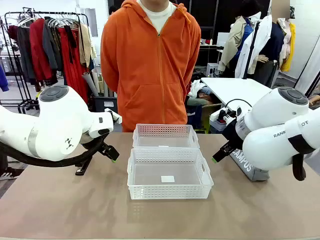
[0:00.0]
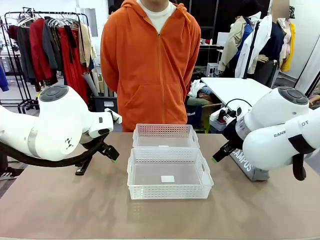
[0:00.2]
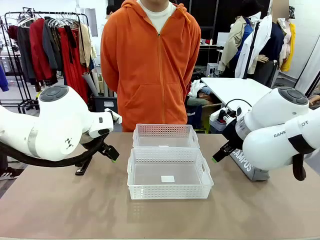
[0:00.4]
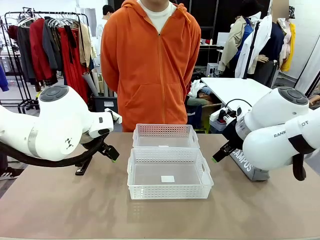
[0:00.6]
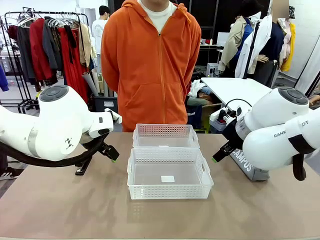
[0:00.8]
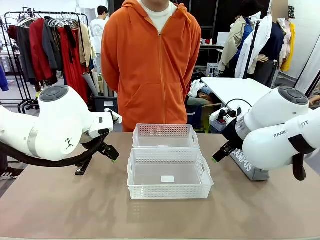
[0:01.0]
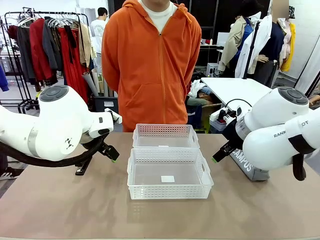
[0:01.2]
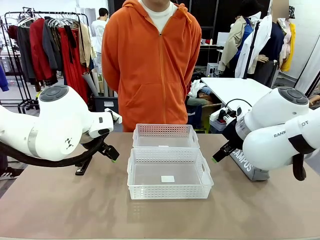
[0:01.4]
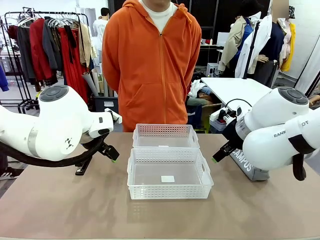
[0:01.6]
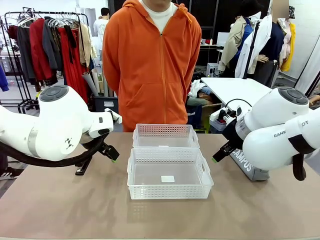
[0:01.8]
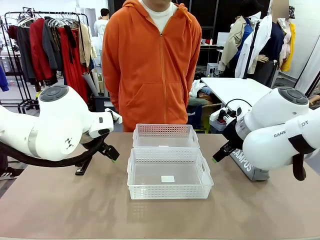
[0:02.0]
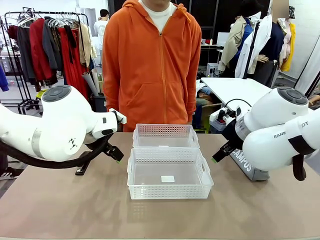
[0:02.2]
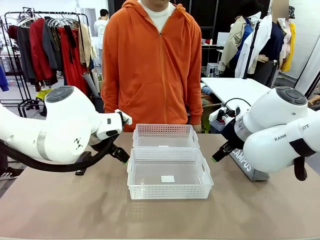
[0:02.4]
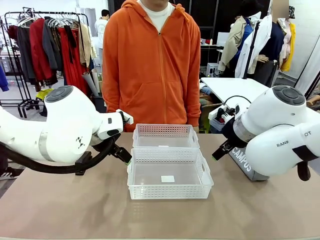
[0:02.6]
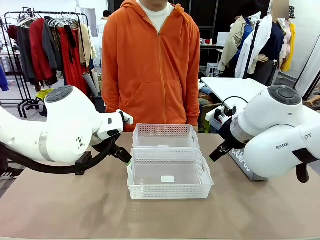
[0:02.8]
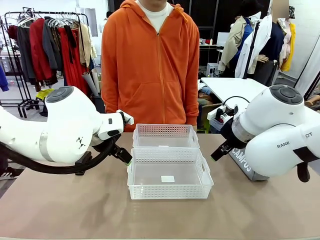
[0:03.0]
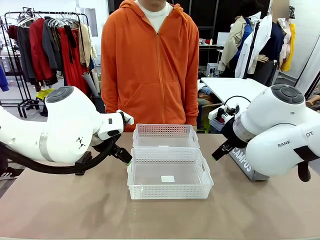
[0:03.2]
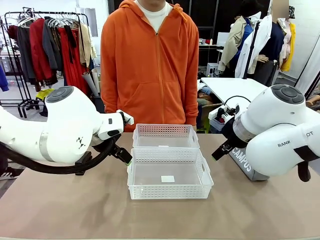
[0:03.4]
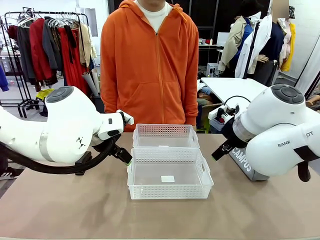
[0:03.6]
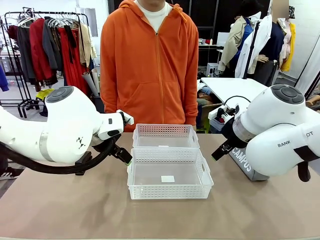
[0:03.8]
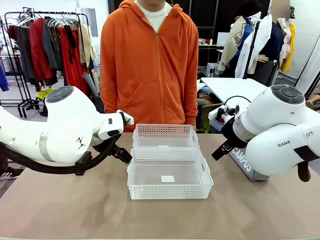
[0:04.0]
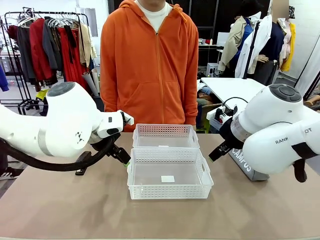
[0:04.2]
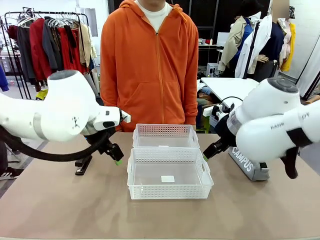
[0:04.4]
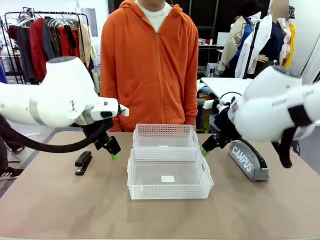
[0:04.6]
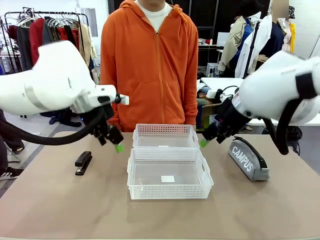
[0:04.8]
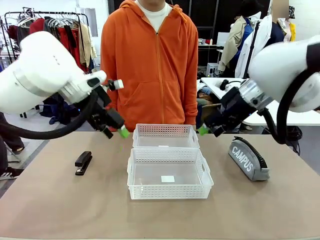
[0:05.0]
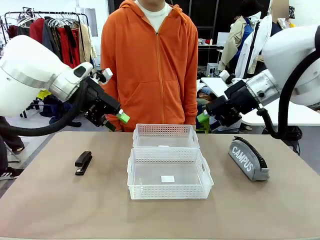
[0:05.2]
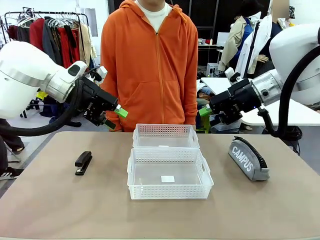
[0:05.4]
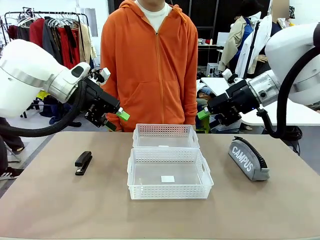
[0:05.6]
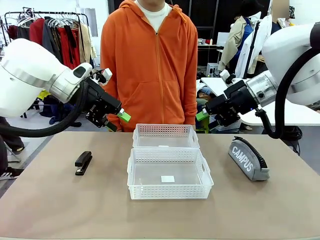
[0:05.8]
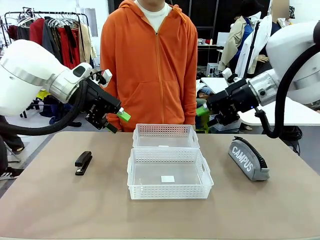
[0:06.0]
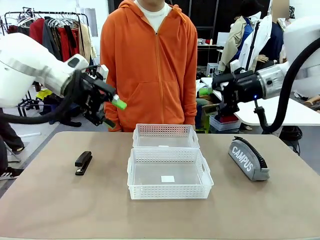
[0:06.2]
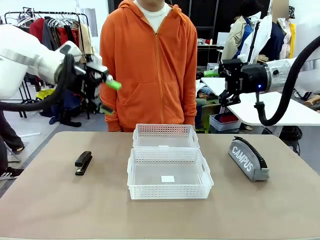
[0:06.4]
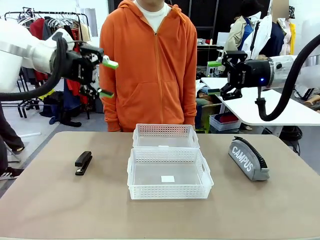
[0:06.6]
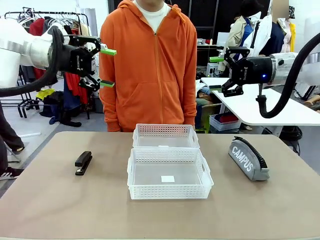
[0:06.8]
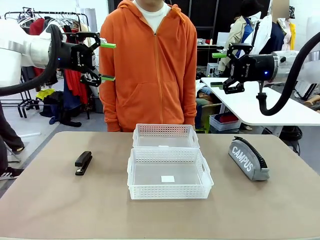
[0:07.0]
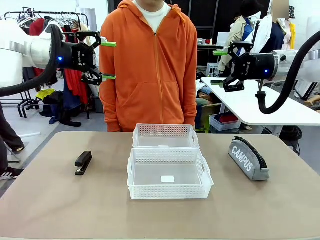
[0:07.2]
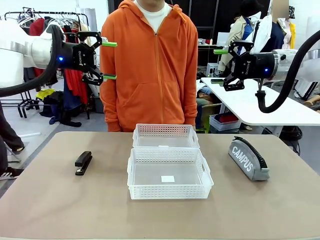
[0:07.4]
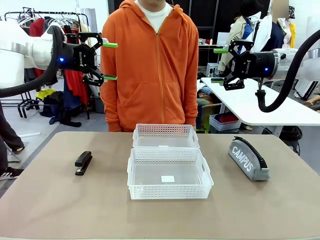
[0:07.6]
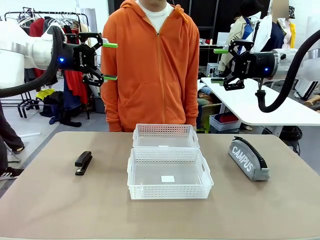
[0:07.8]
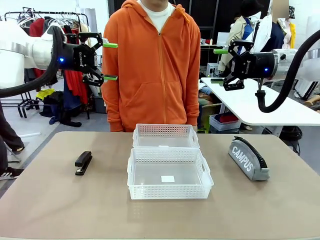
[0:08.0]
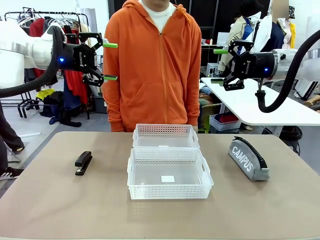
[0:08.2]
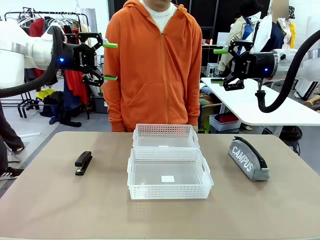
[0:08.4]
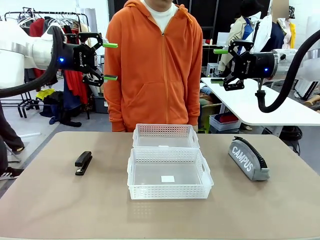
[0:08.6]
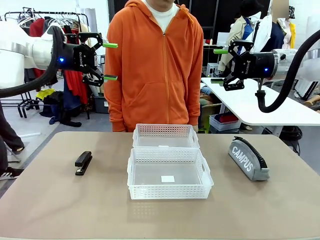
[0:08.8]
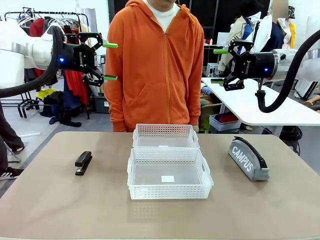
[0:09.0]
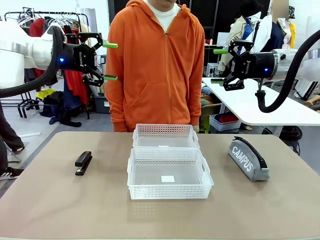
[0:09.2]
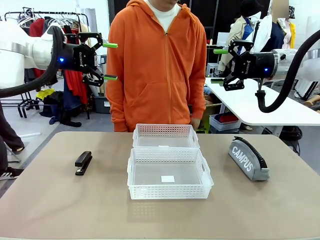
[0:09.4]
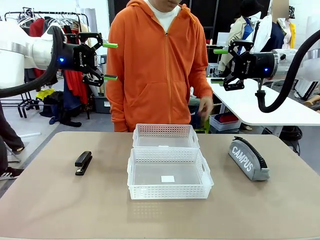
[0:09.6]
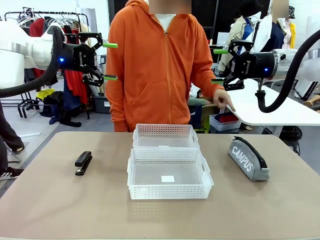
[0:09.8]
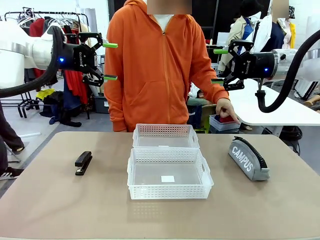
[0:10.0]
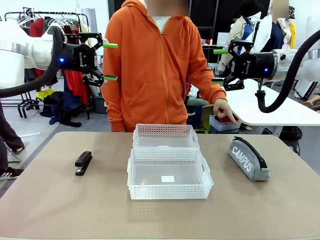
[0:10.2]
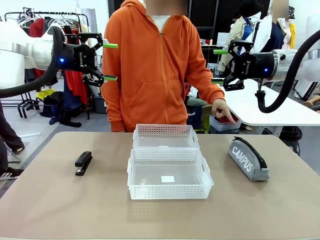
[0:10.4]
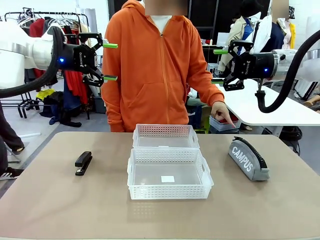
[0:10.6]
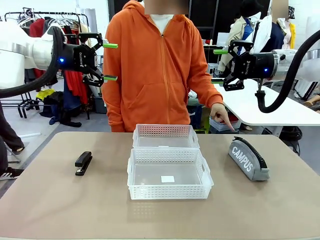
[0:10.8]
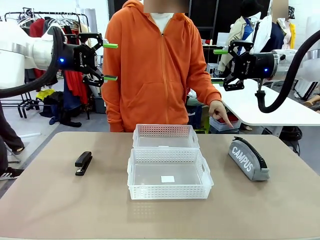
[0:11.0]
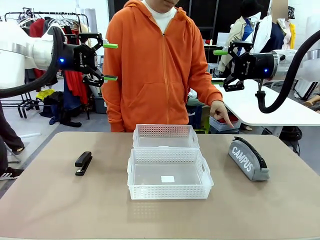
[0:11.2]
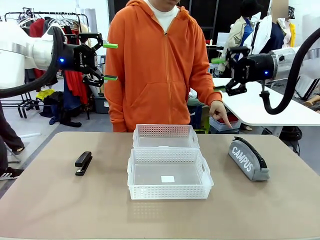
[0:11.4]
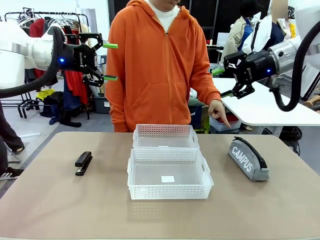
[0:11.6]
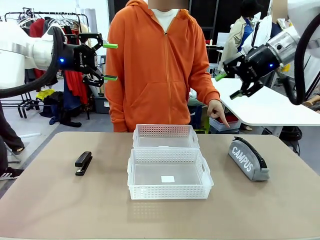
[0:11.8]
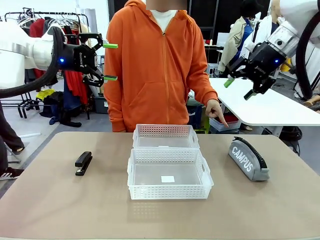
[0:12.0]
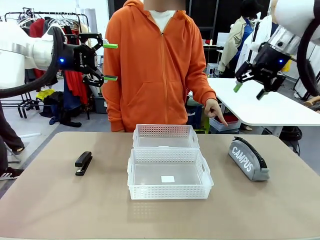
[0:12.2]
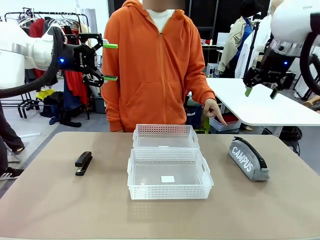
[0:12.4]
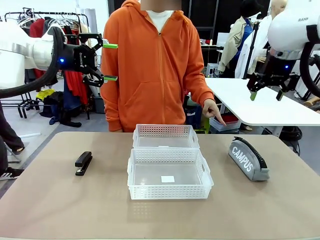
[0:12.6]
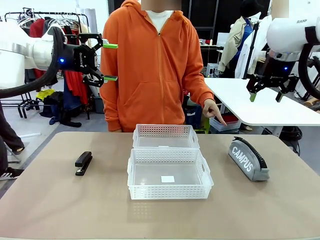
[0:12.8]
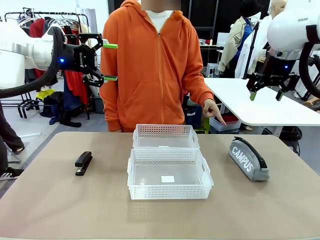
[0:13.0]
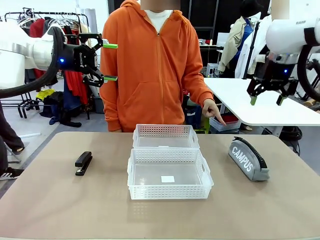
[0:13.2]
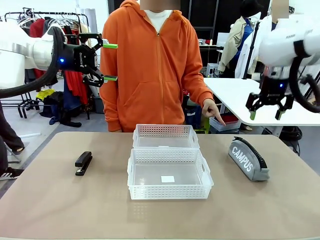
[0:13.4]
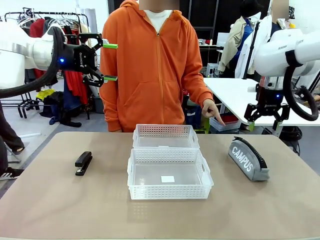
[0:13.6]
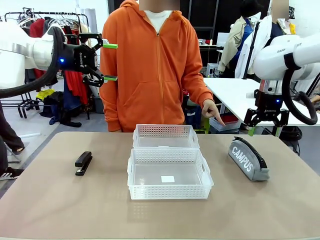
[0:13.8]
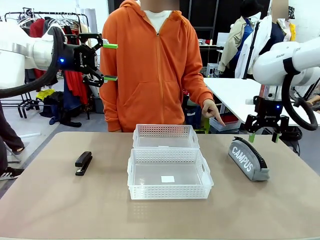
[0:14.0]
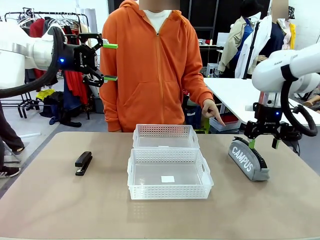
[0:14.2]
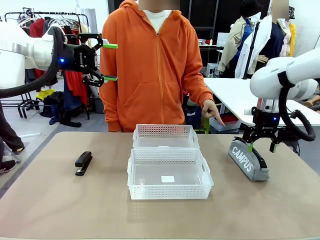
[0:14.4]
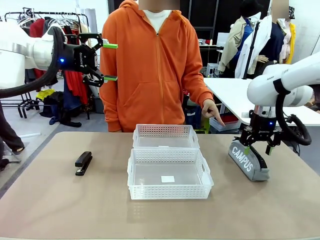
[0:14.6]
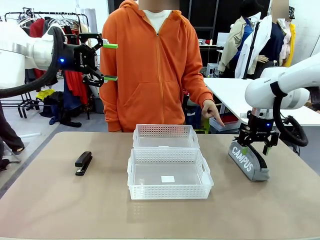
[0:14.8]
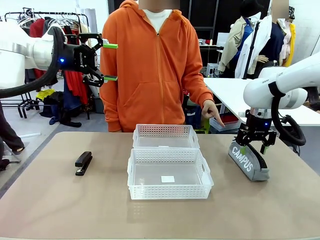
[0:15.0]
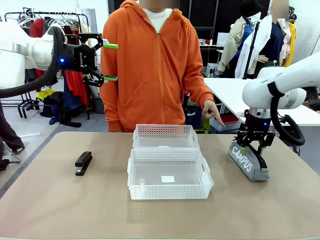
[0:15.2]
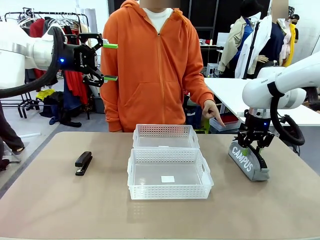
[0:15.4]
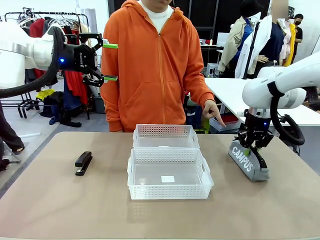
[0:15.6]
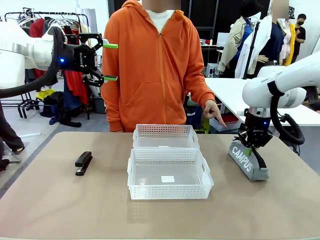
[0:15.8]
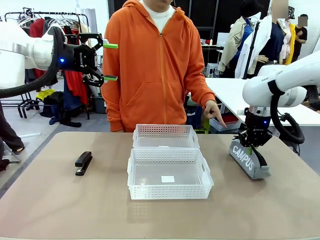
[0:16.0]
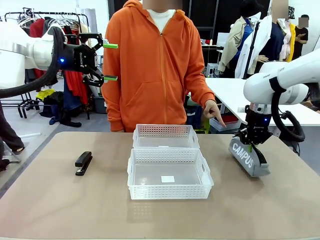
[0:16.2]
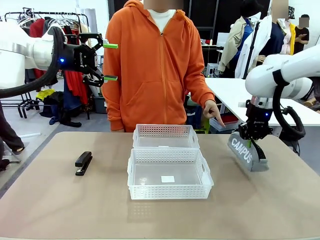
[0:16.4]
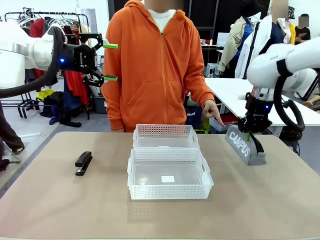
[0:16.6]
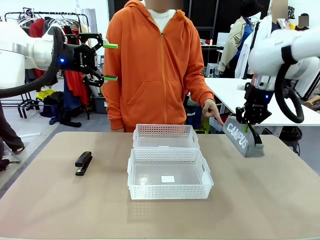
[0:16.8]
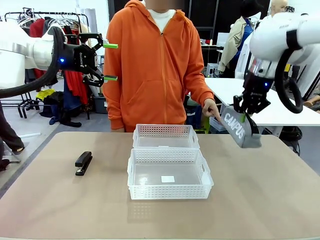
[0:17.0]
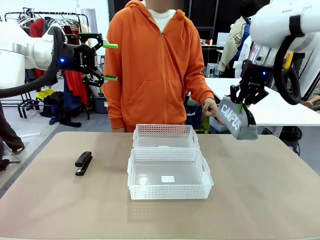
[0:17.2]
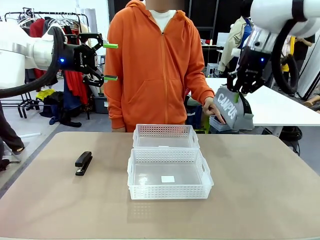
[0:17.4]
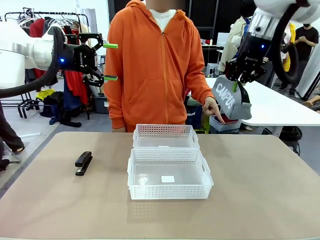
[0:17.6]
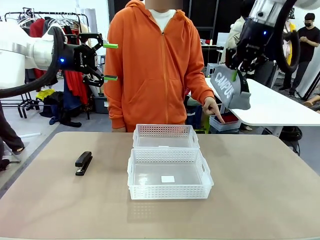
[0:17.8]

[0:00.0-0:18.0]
Task: Distribute items into two baskets.
Robot: Pick up the Pencil pouch that the person points to.
Person: Points to the pencil case. Points between the two organizing baskets and instructs the robot to move the pencil case.
